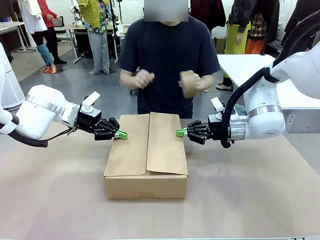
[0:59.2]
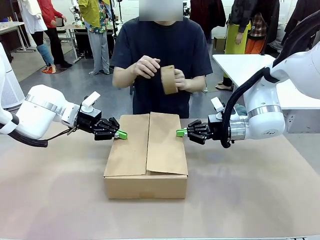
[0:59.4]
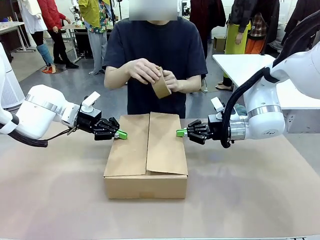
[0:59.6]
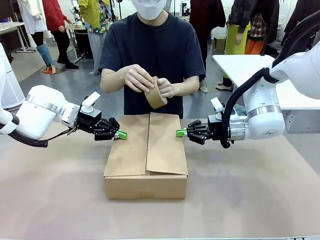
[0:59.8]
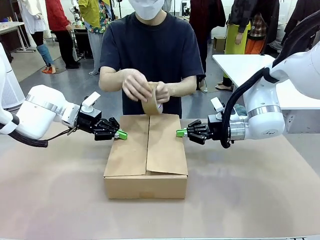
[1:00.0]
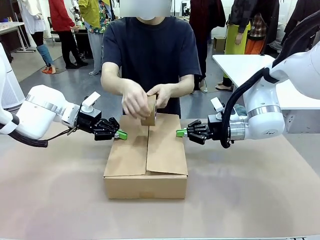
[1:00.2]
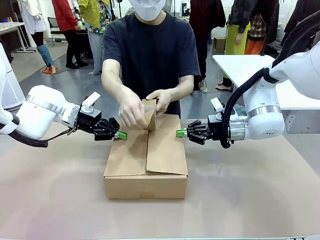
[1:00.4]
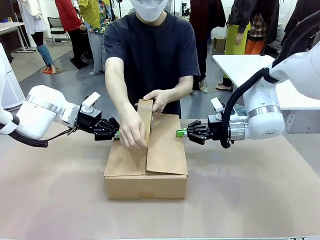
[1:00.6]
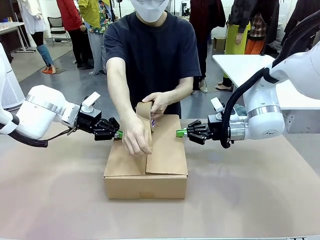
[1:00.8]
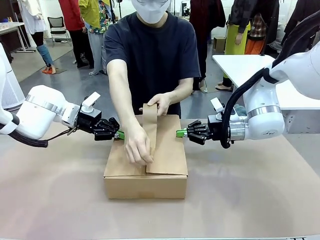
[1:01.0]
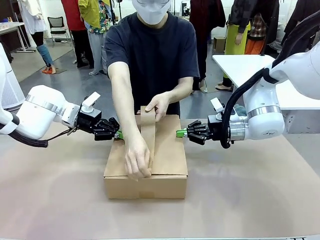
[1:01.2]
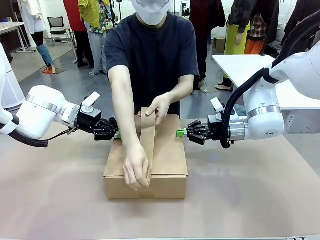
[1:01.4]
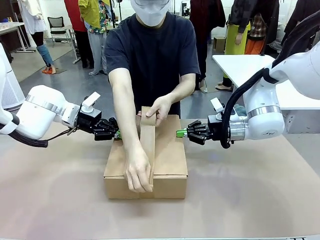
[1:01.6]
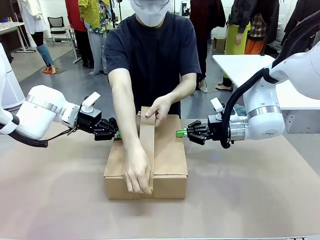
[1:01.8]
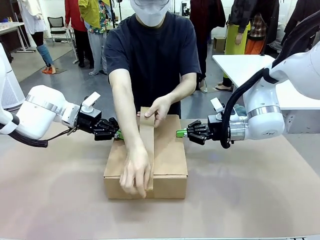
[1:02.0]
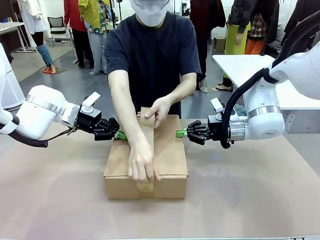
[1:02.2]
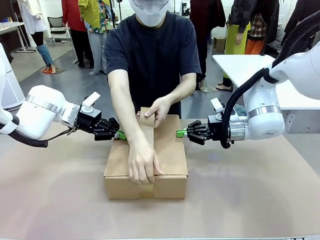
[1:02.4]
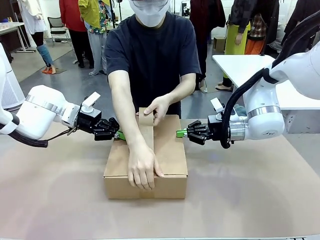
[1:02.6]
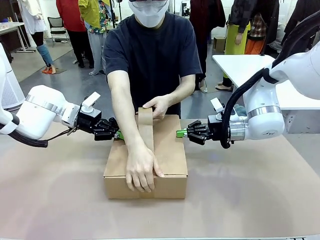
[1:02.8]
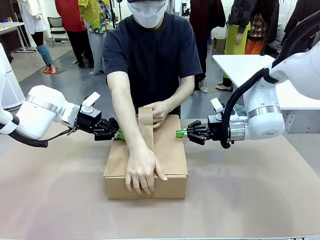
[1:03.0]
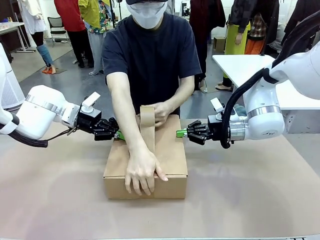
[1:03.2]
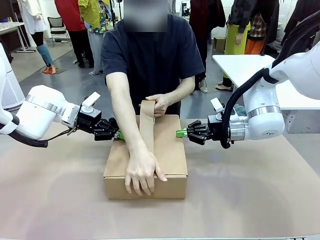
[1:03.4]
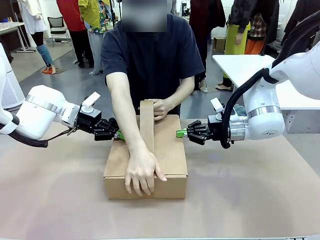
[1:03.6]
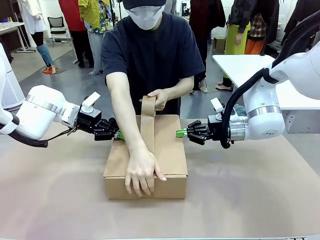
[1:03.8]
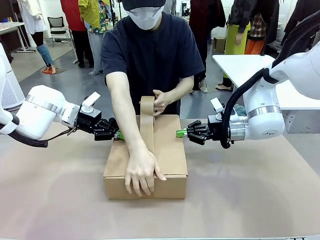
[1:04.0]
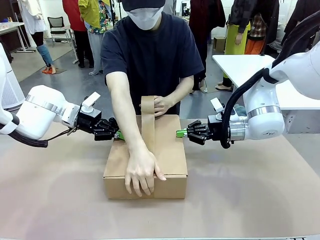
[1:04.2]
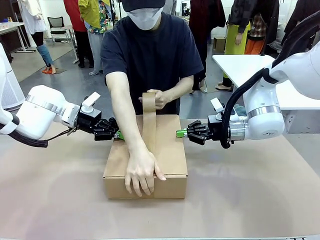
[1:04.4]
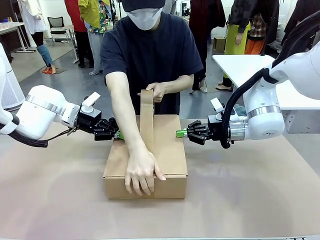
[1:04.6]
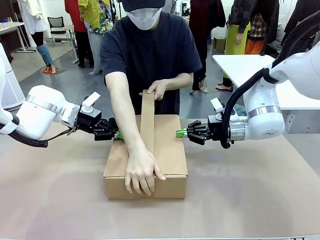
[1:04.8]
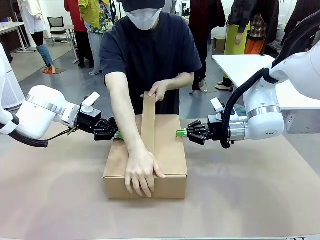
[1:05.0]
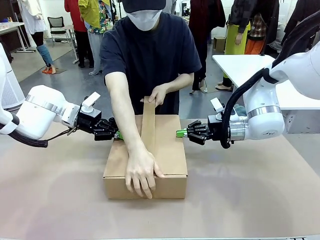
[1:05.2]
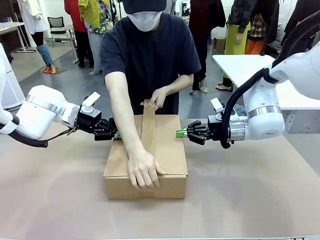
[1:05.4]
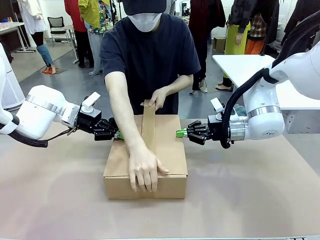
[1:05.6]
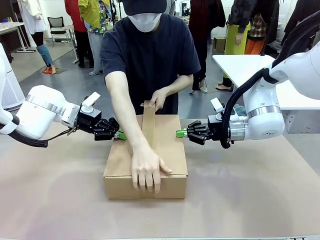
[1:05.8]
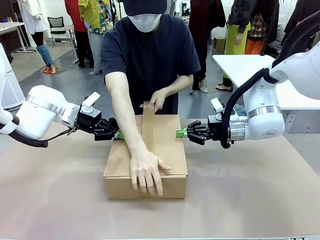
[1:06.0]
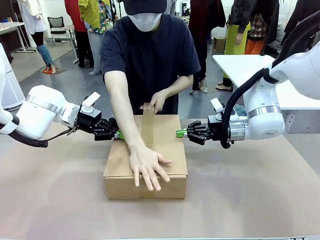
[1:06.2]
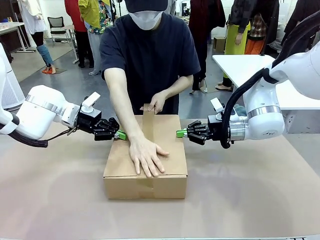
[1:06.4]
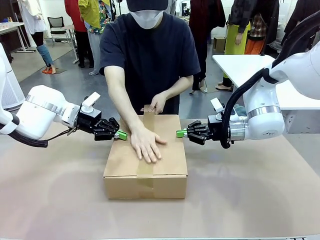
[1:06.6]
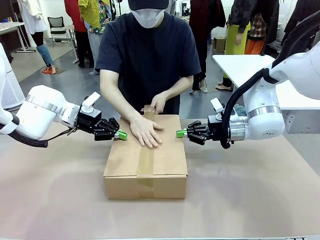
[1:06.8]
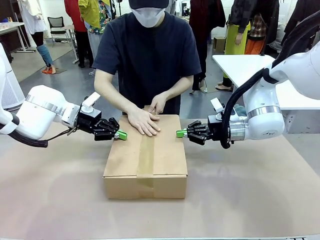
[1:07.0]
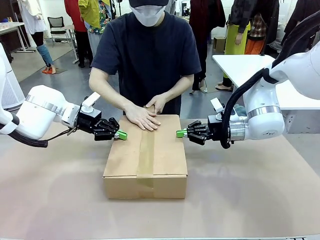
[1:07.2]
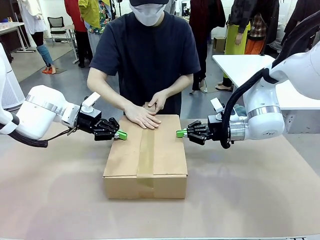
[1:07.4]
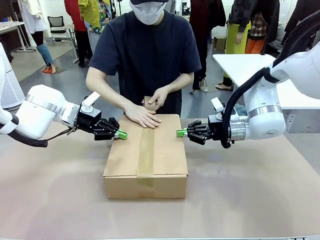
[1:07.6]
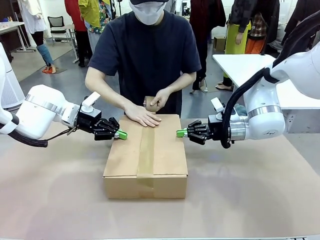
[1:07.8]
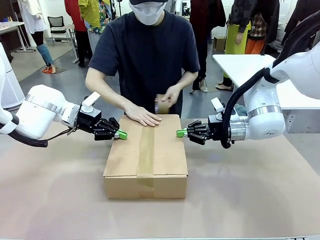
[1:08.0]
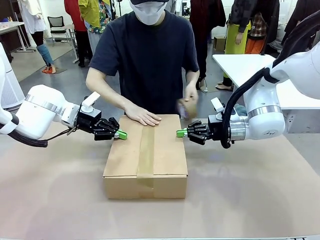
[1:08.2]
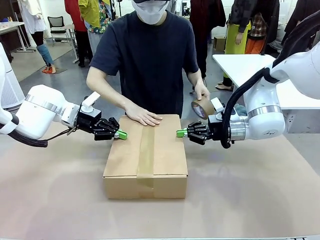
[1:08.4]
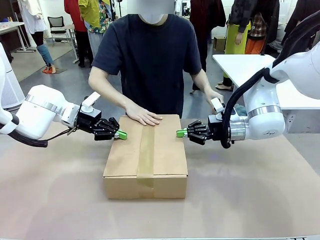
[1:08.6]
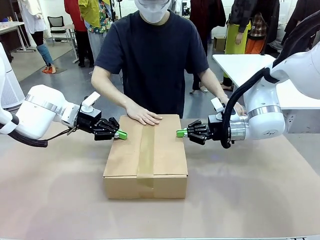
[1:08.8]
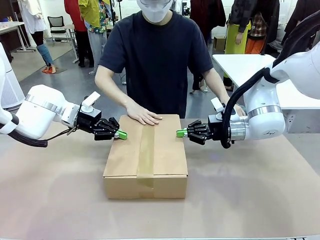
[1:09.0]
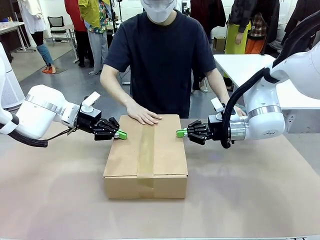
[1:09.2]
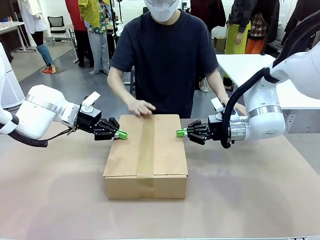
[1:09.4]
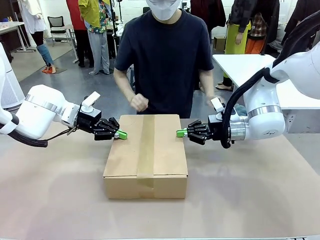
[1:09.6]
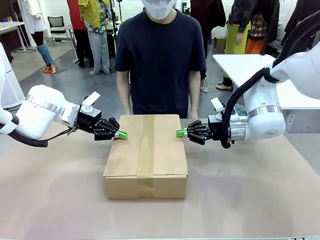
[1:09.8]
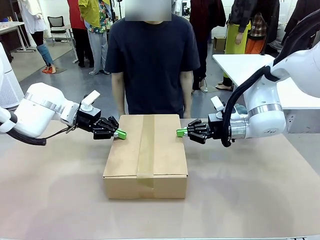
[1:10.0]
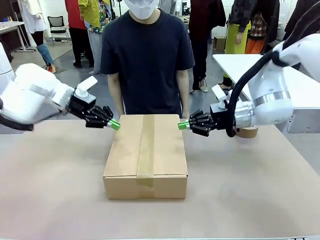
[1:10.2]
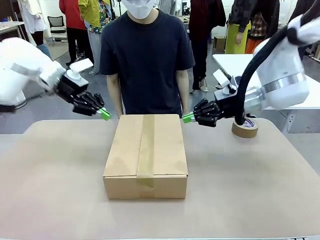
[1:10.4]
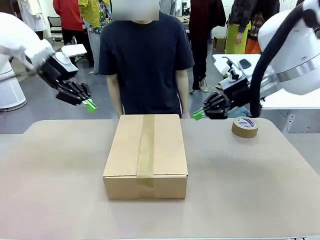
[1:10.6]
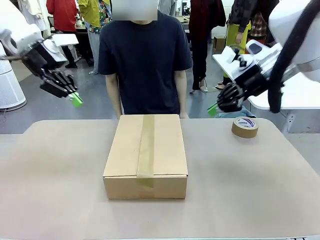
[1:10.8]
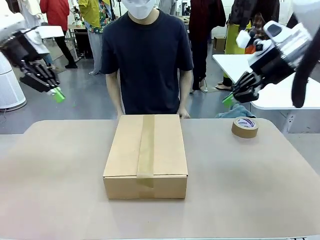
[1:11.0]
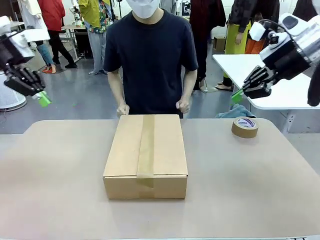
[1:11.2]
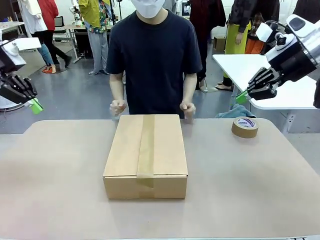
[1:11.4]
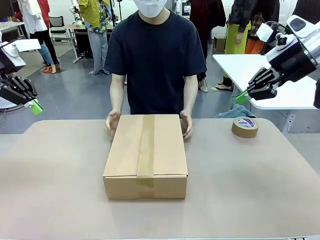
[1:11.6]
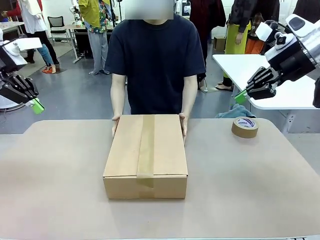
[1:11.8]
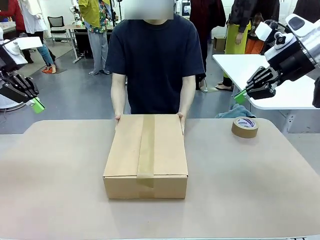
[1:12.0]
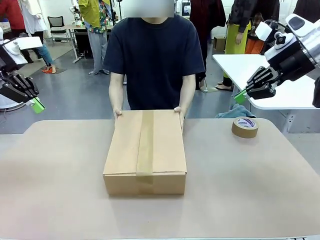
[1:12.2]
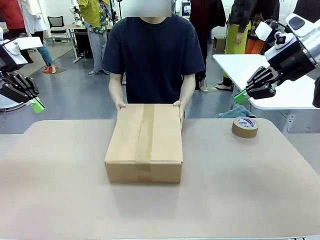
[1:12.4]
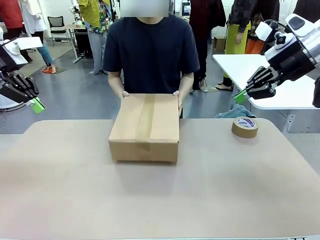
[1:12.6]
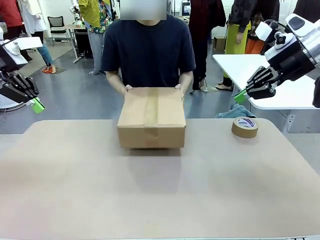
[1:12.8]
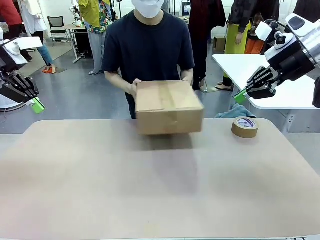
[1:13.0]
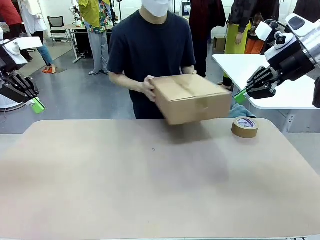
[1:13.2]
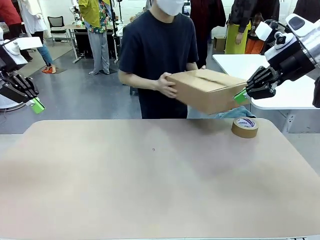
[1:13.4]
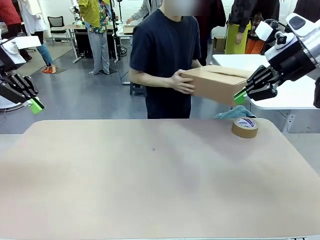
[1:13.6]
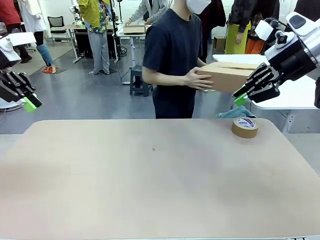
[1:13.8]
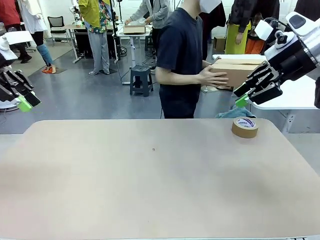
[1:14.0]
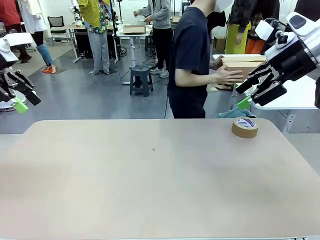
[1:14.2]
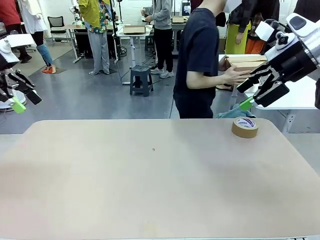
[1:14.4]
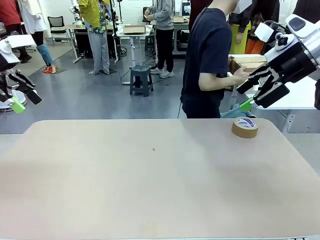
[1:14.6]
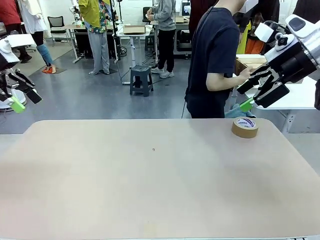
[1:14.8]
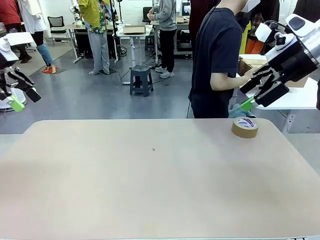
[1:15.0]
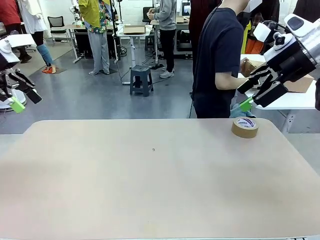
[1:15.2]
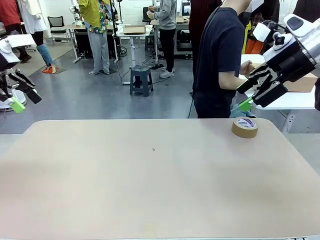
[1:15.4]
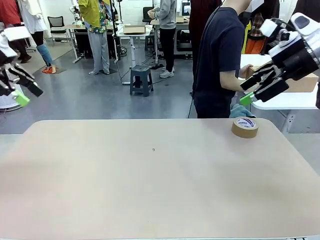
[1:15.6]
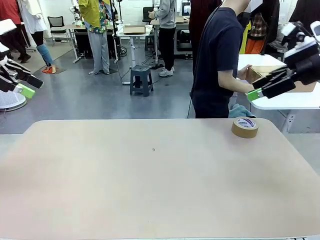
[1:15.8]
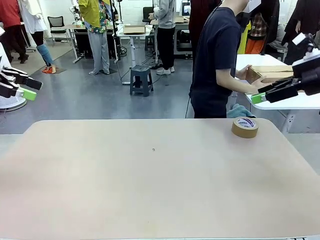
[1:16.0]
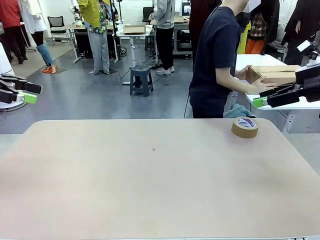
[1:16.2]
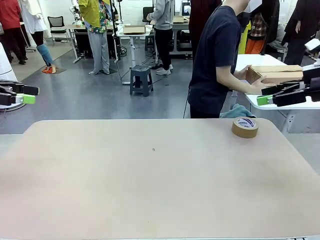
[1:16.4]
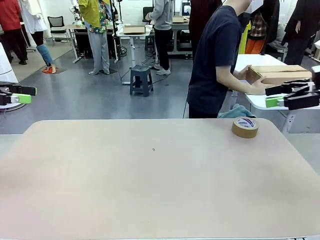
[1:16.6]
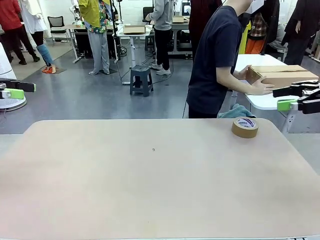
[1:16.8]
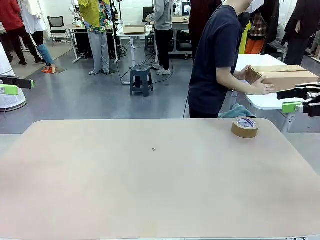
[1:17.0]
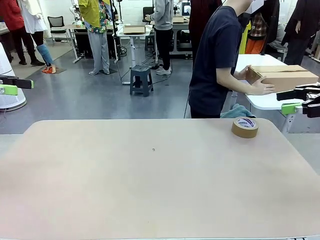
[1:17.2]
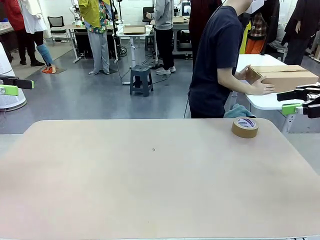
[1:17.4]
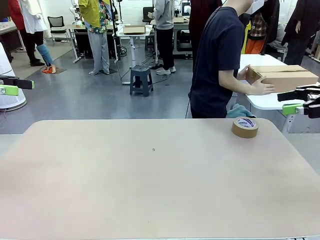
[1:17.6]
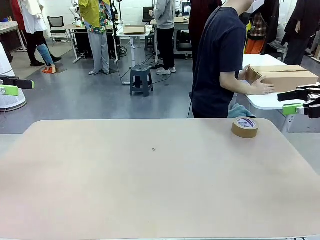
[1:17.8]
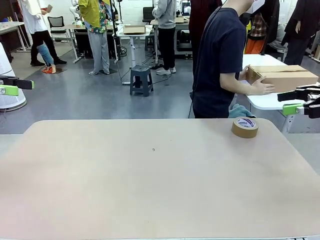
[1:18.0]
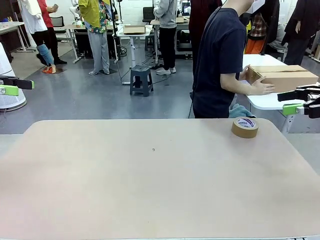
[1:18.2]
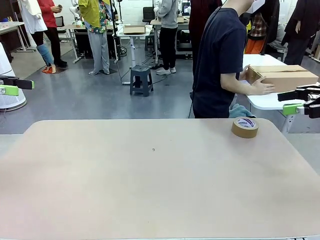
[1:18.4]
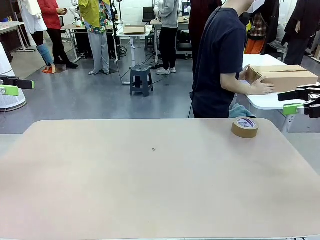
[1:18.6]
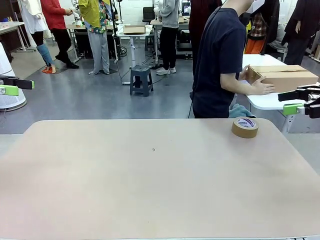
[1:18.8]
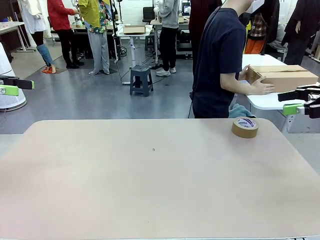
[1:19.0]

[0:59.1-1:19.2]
Task: Wrap the clocks to prevent damage.
Robot: After the human seals the box with tape, release both hands from the side flaps of the Package Box.
Person: Once the robot closes the left flap of the Package Box , seal the box with Paper Tape. Place sealed Package Box in the middle of the human's table.
